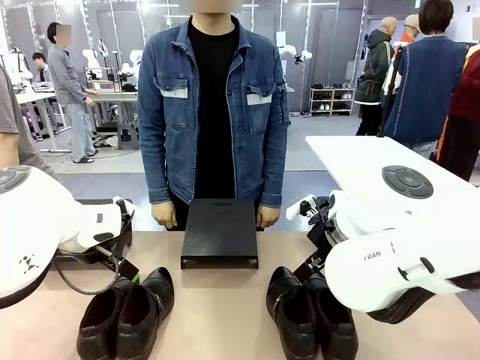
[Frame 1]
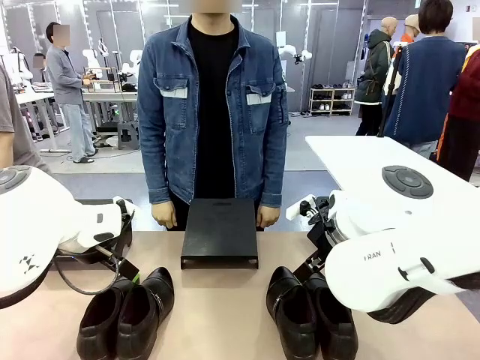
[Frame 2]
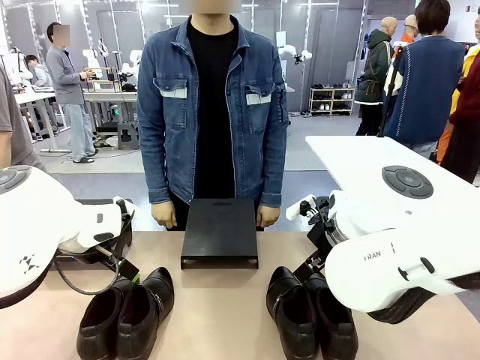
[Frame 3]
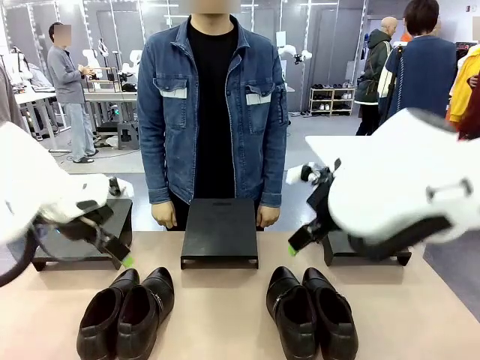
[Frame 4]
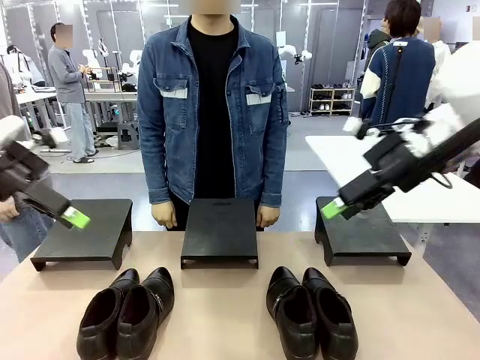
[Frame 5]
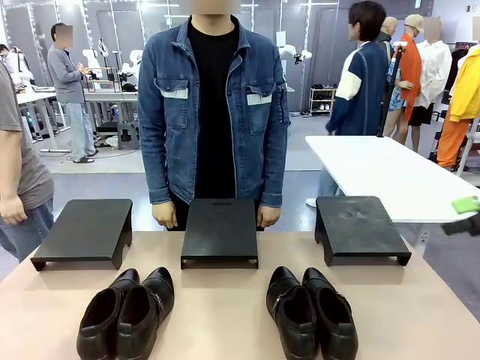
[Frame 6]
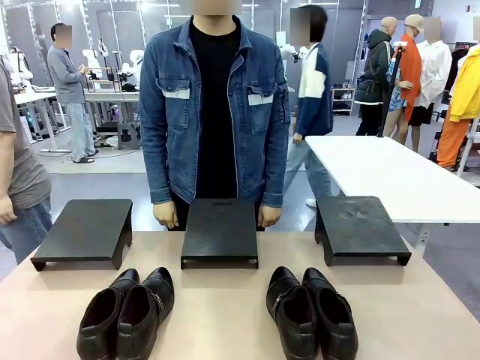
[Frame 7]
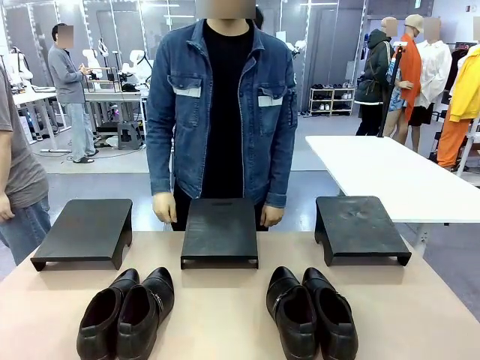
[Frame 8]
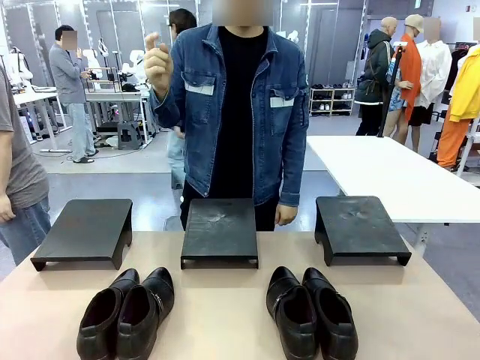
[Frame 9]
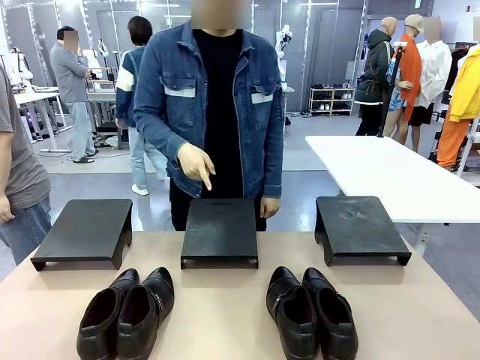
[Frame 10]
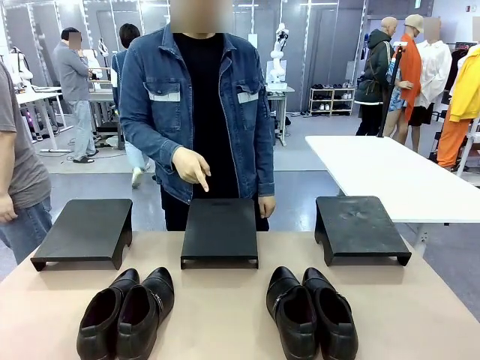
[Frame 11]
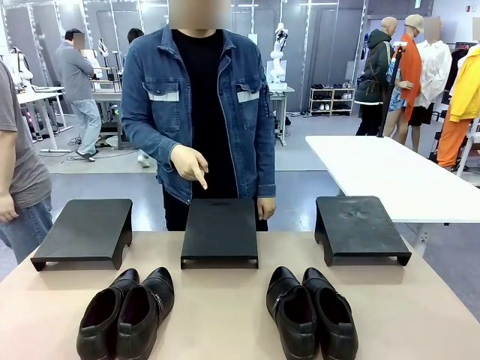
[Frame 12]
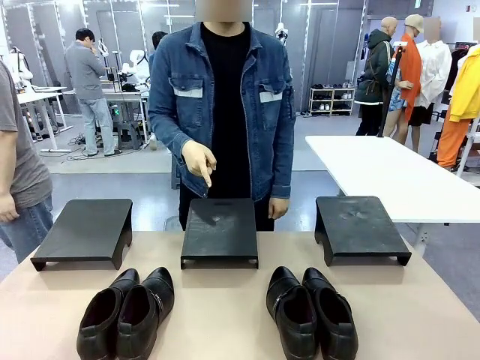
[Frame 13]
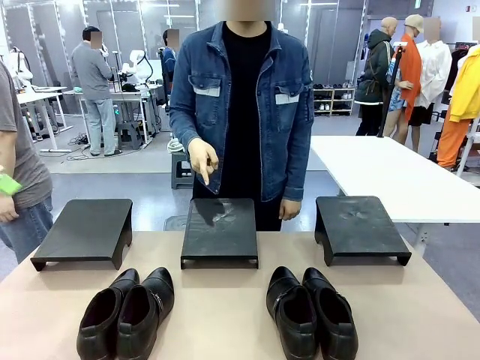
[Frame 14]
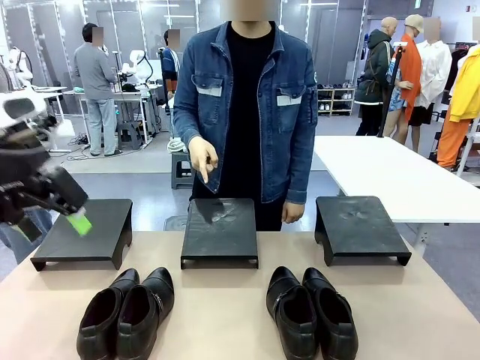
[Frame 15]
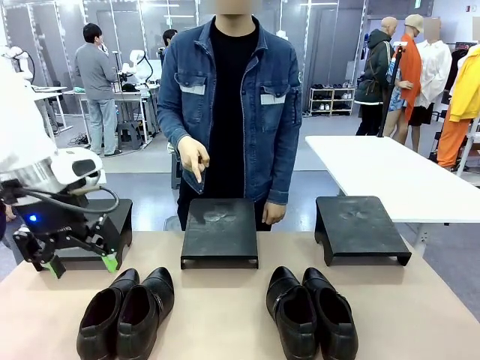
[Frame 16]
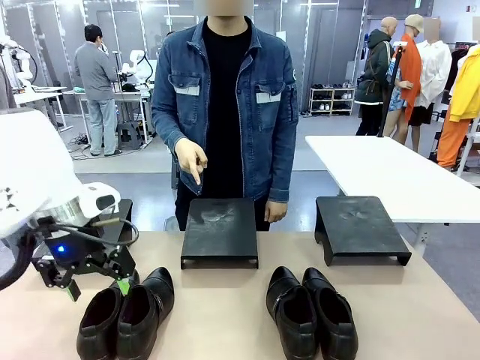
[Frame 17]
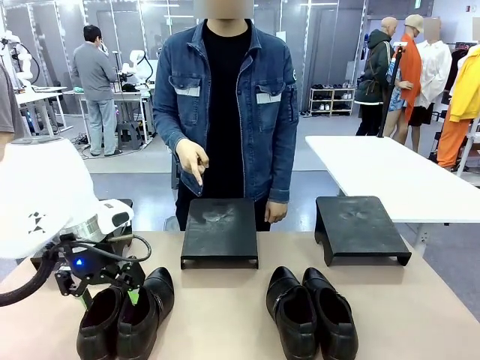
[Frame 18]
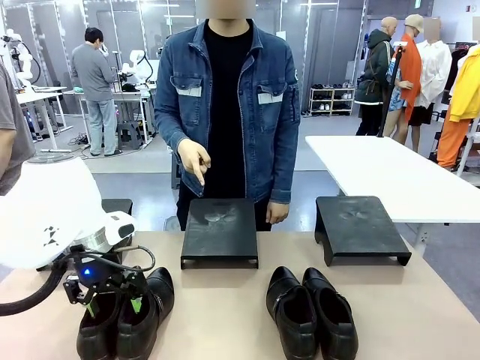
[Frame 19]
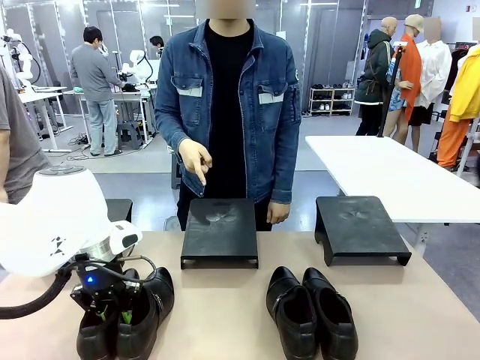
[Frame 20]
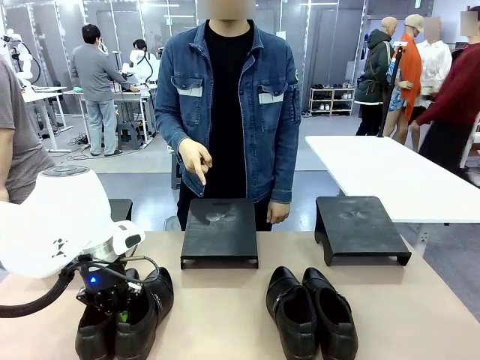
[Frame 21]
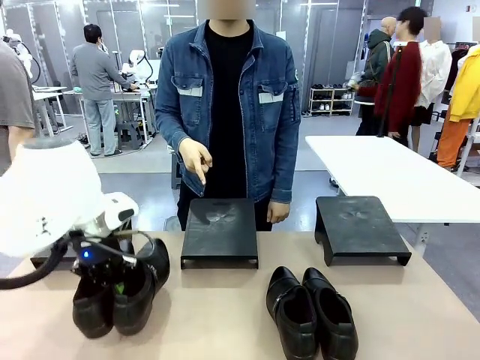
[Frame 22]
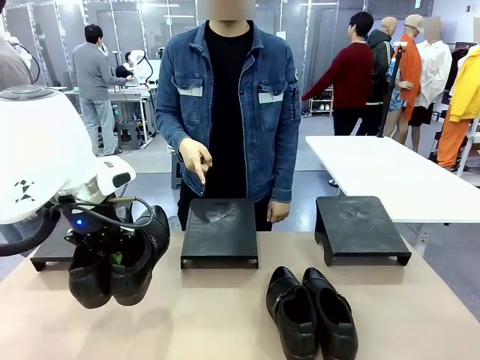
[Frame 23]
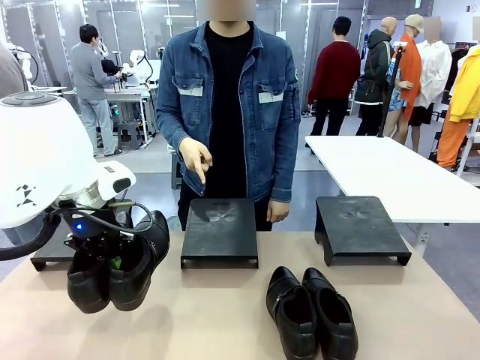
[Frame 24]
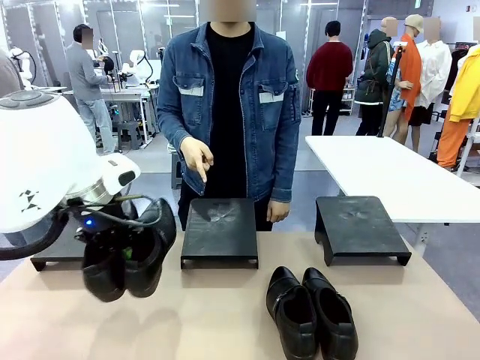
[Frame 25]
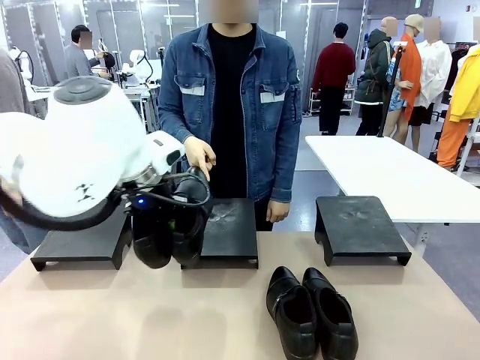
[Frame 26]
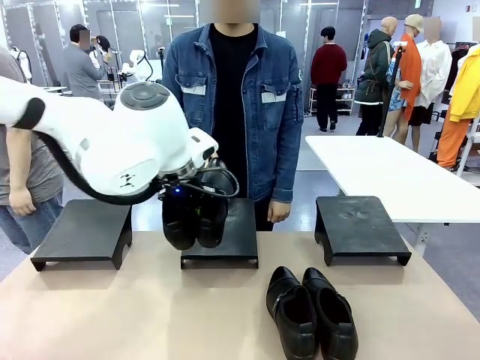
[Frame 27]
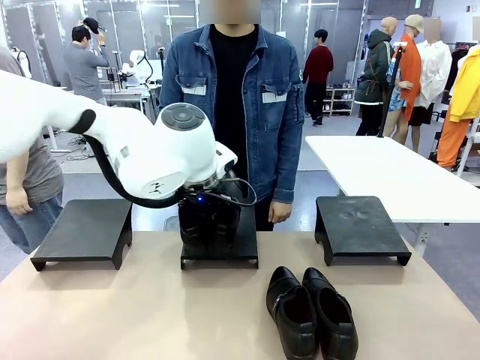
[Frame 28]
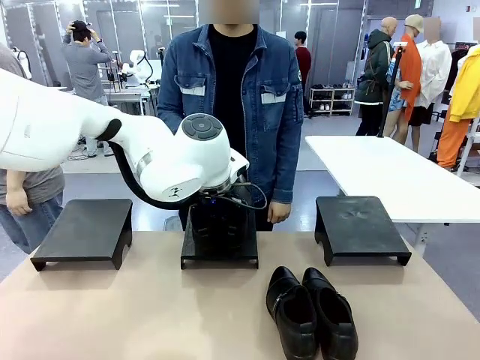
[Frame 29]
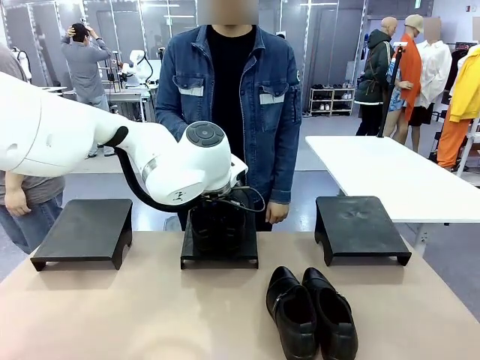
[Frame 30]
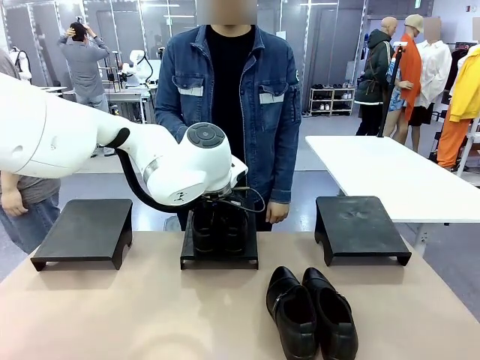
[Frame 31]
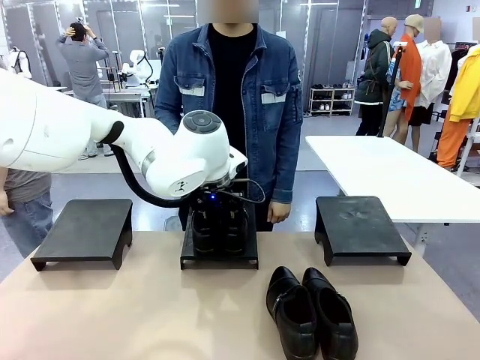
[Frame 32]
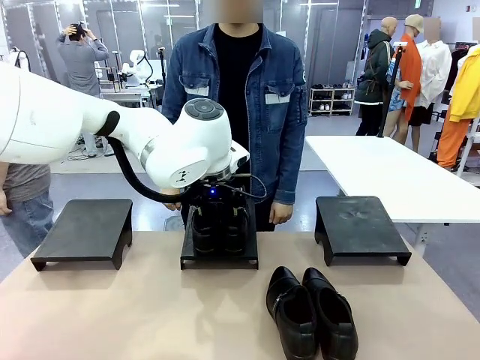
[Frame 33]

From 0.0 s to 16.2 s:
Task: Place the shoes on the stand as instructed by the person.
Robot: Pick up one pair of Shoes and place it on the Shoes Stand indicated by the person.

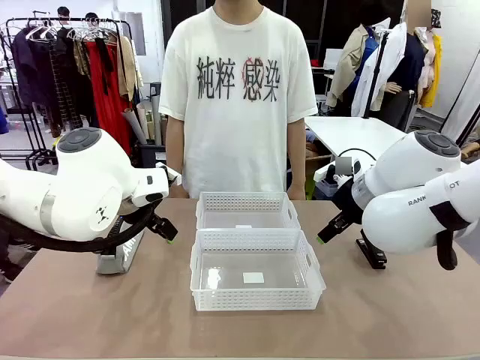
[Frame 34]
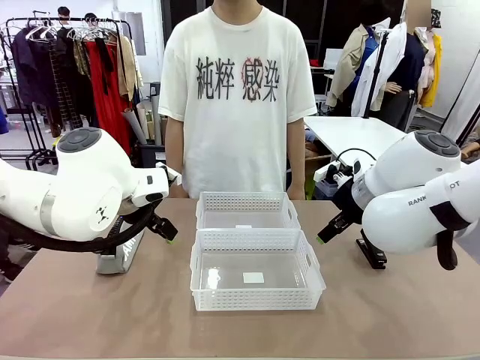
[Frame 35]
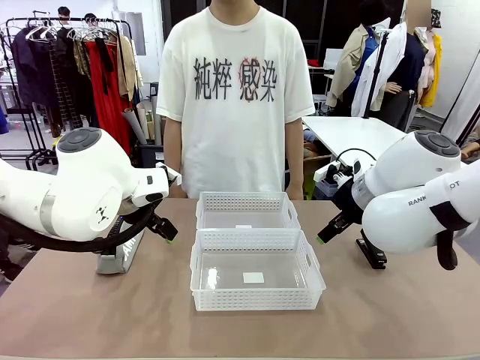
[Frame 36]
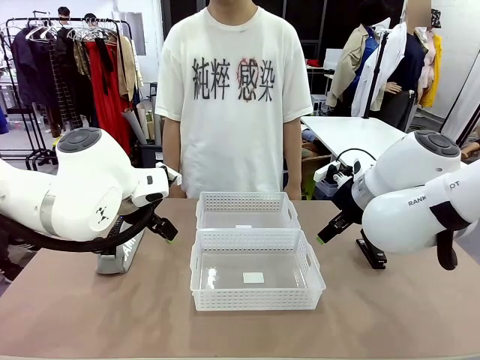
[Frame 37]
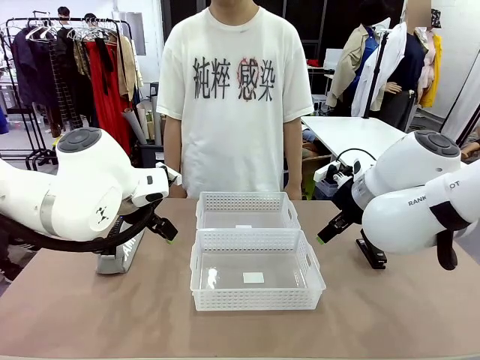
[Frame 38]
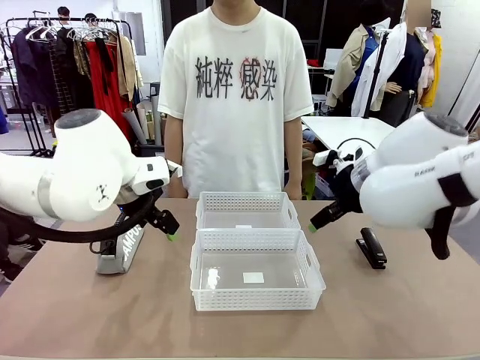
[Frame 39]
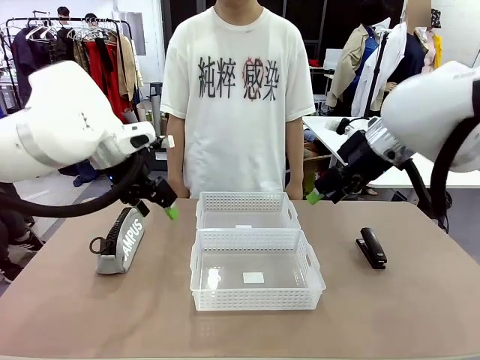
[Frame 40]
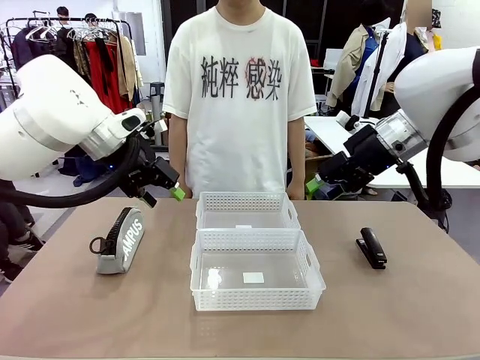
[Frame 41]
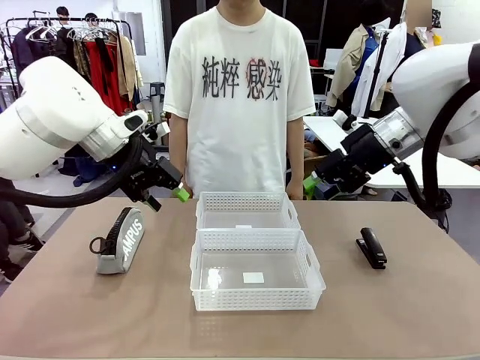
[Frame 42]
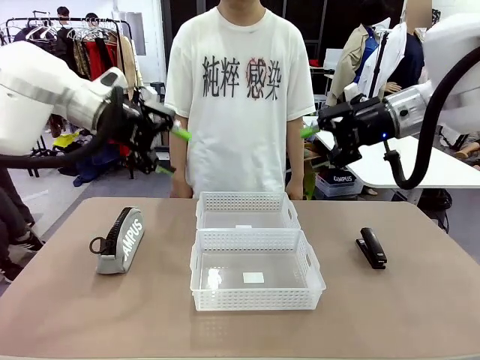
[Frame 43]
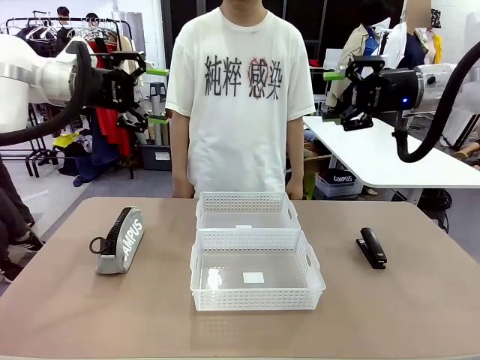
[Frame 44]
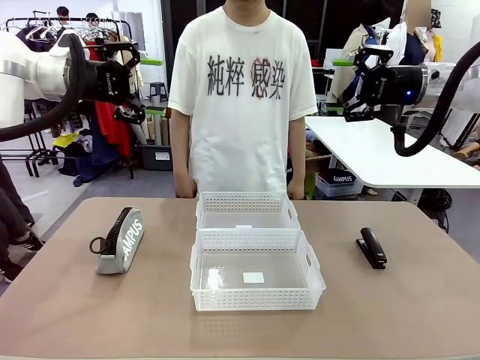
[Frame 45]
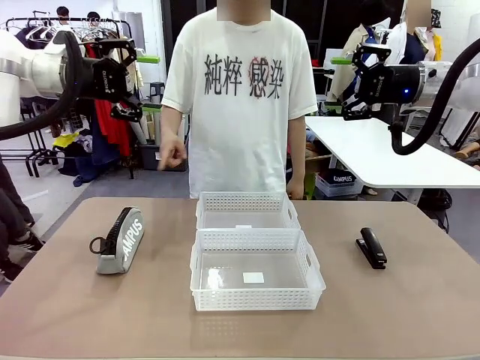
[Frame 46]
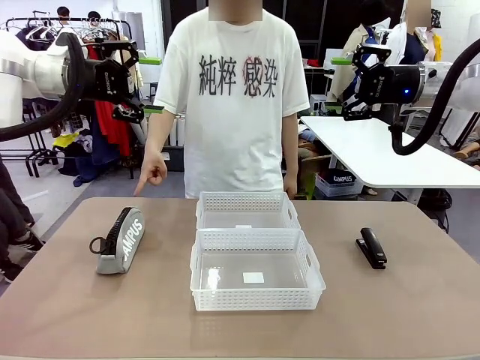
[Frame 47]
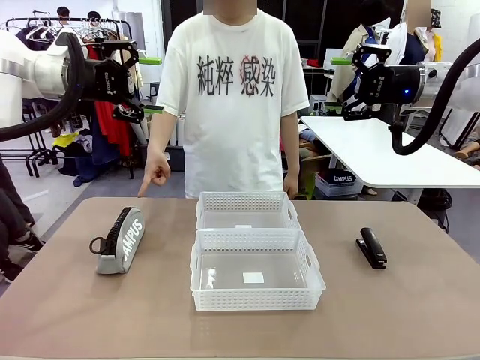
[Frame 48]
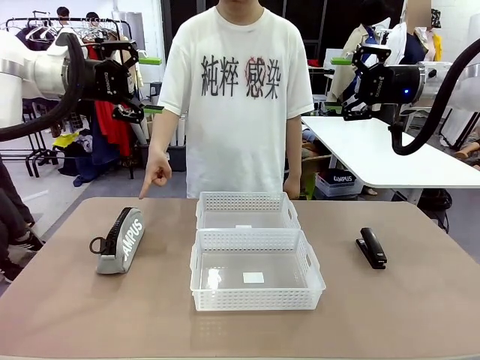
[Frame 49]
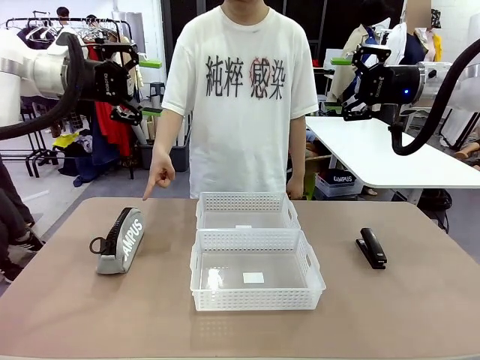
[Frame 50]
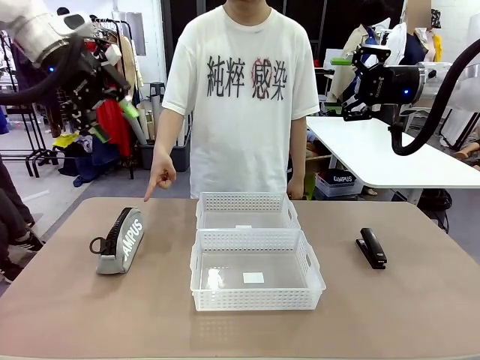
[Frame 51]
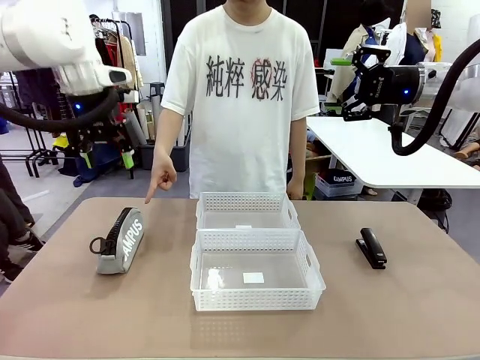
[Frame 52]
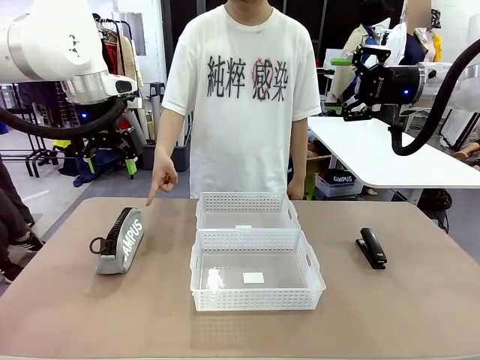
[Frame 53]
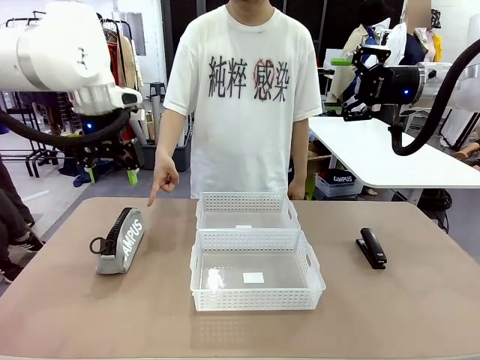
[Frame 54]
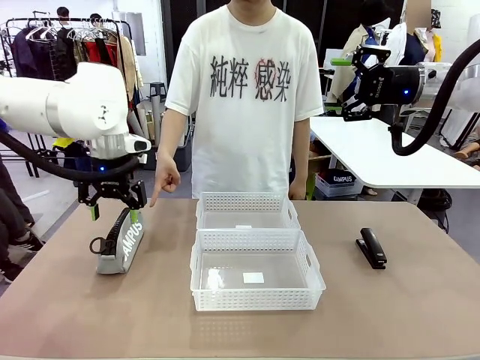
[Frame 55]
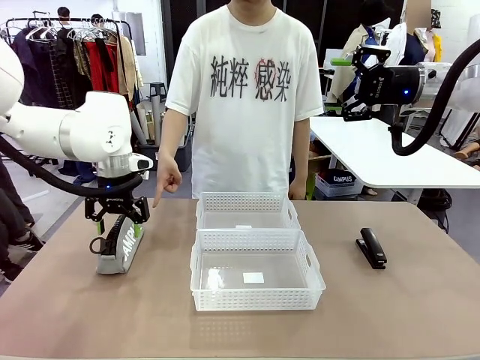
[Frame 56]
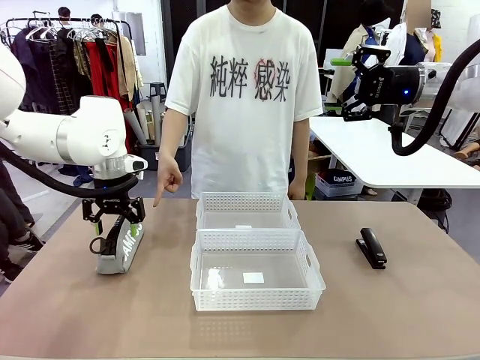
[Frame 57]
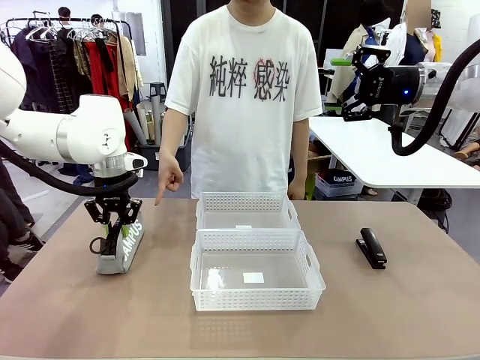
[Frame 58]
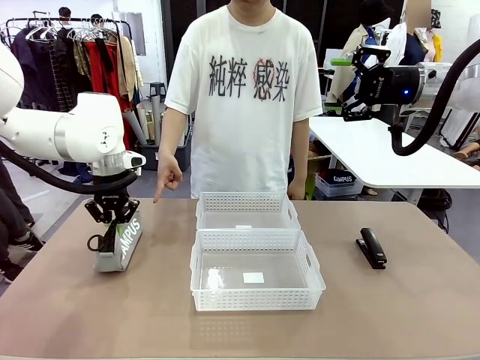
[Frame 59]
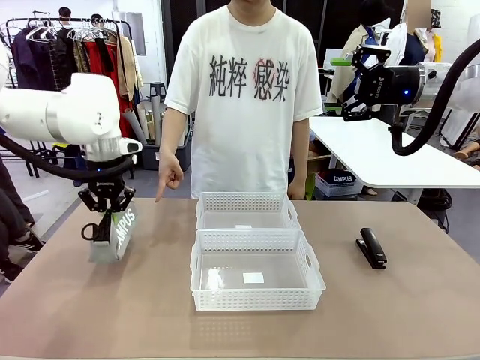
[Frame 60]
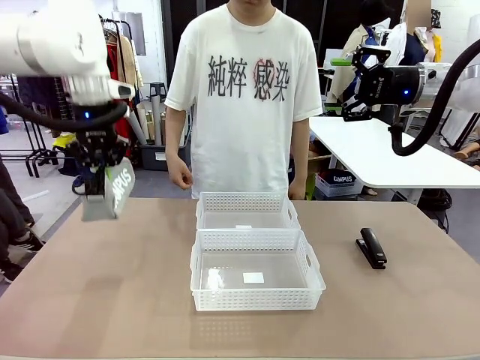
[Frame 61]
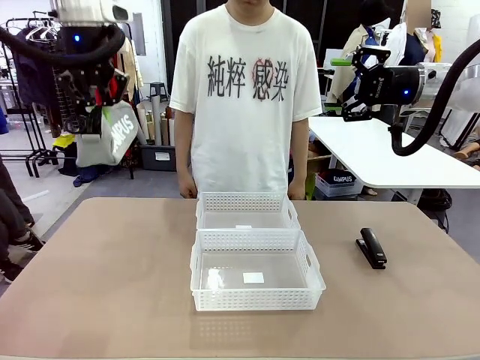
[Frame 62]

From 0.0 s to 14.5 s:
Task: Distribute items into two baskets.
Robot: Pick up the Pencil pouch that the person points to.
Person: Points to the pencil case. Points between the two organizing baskets and instructs the robot to move the pencil case.
